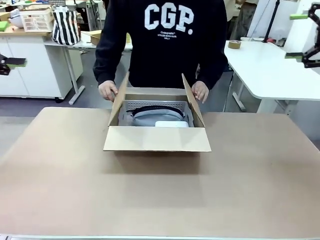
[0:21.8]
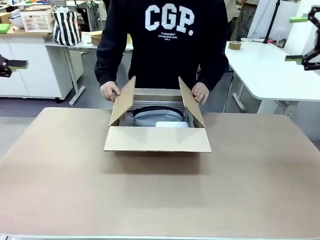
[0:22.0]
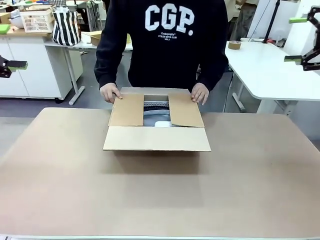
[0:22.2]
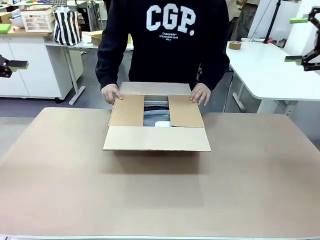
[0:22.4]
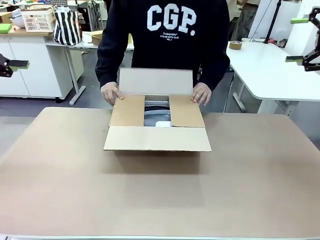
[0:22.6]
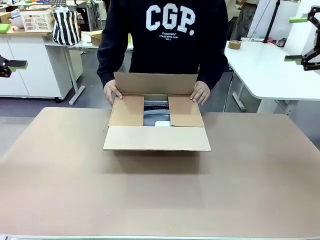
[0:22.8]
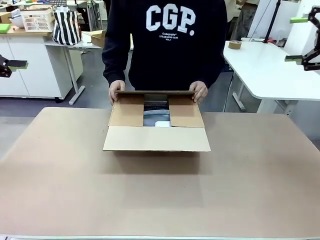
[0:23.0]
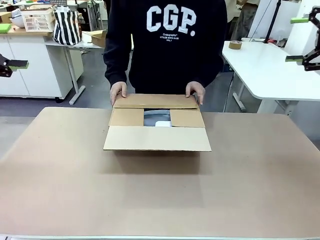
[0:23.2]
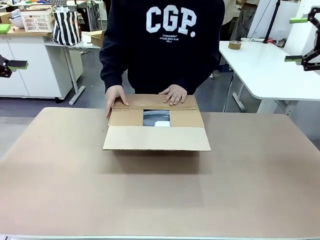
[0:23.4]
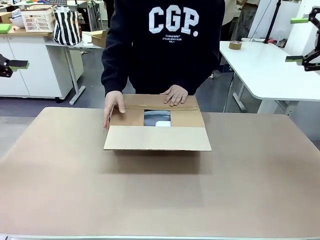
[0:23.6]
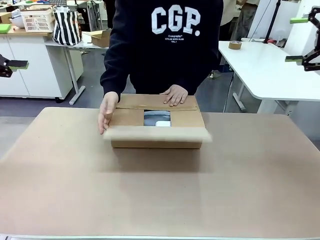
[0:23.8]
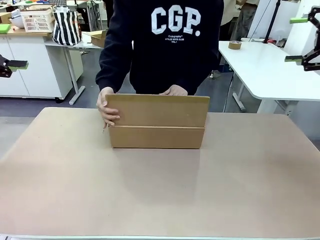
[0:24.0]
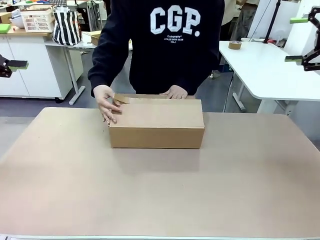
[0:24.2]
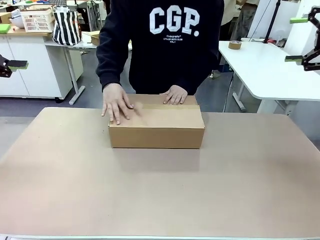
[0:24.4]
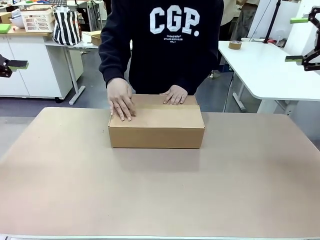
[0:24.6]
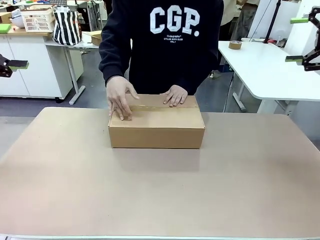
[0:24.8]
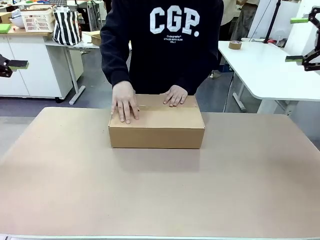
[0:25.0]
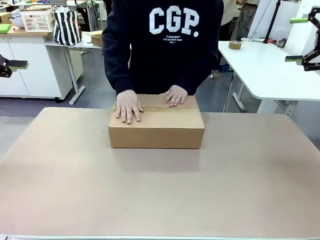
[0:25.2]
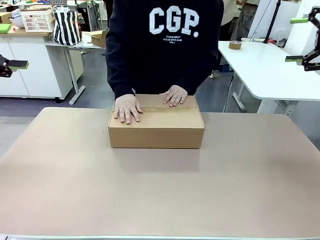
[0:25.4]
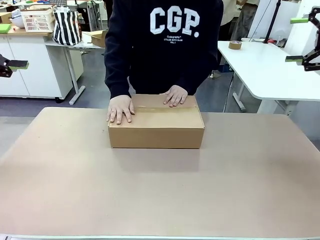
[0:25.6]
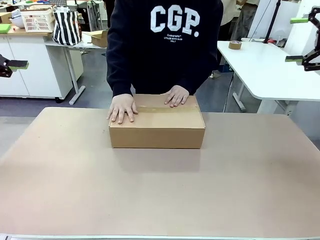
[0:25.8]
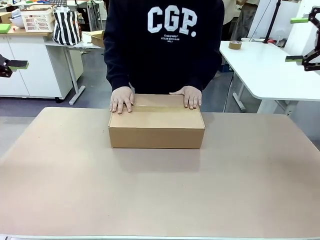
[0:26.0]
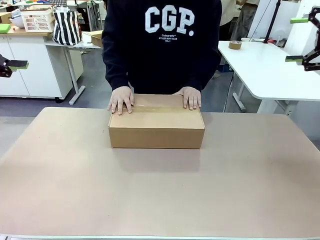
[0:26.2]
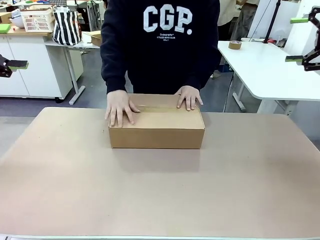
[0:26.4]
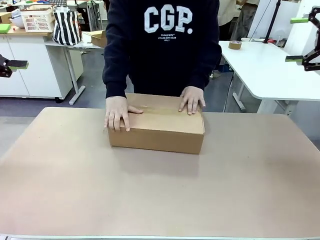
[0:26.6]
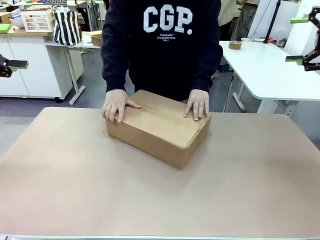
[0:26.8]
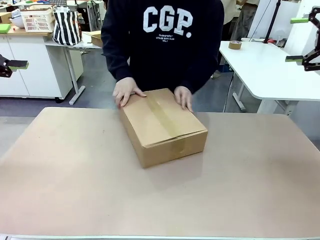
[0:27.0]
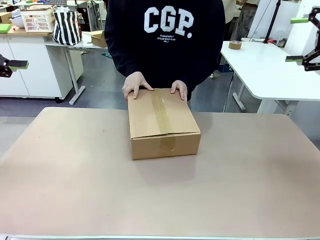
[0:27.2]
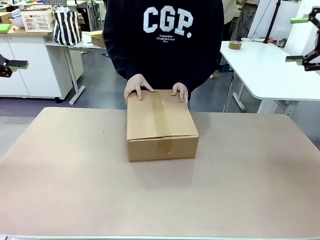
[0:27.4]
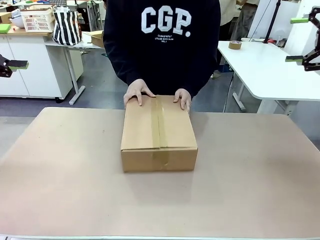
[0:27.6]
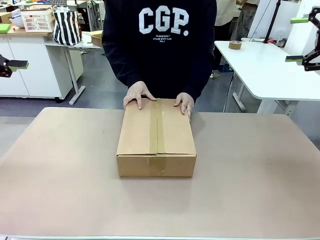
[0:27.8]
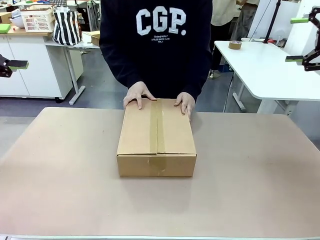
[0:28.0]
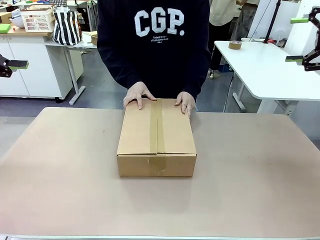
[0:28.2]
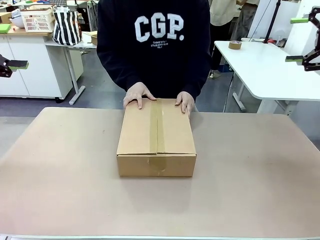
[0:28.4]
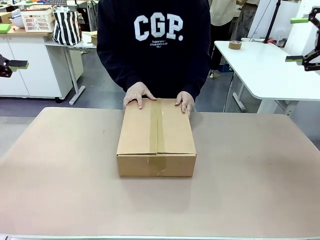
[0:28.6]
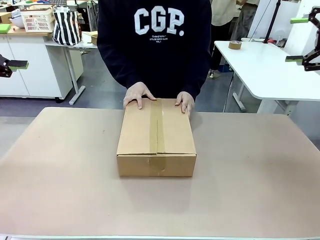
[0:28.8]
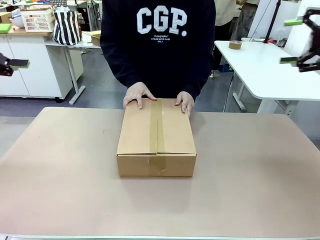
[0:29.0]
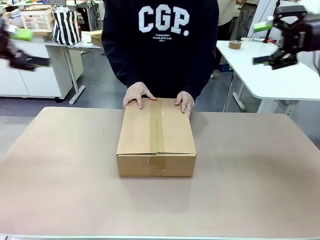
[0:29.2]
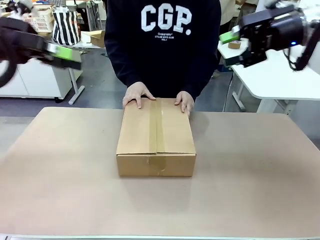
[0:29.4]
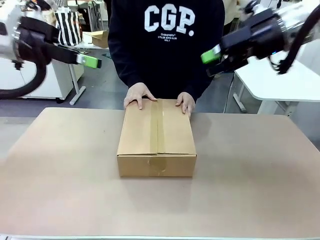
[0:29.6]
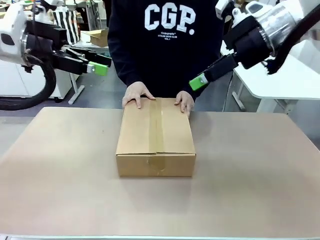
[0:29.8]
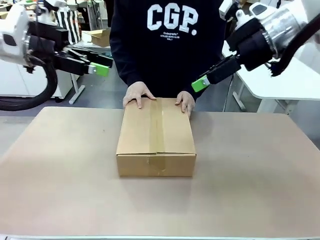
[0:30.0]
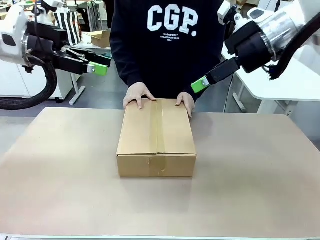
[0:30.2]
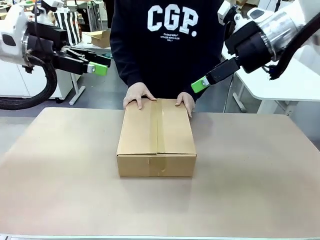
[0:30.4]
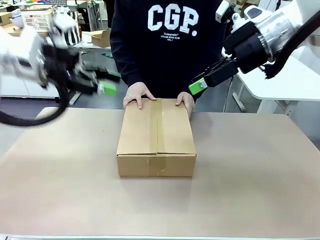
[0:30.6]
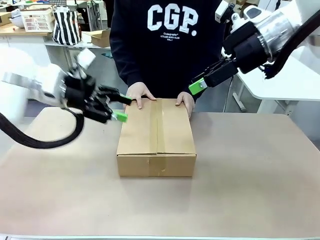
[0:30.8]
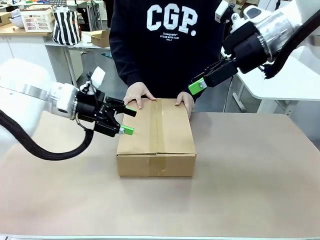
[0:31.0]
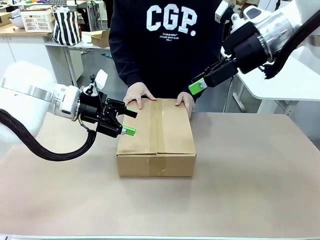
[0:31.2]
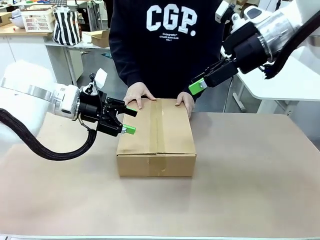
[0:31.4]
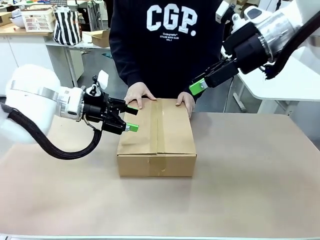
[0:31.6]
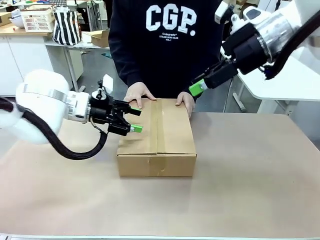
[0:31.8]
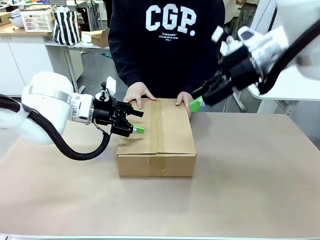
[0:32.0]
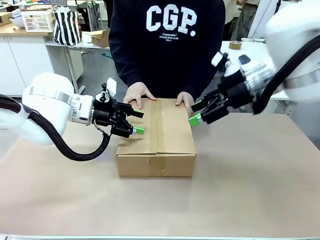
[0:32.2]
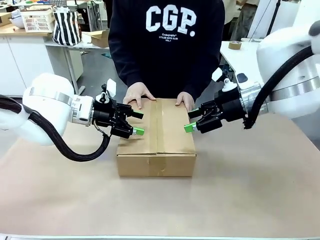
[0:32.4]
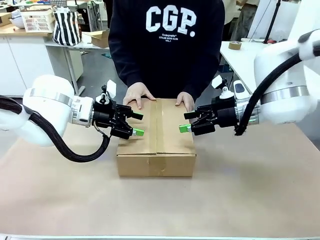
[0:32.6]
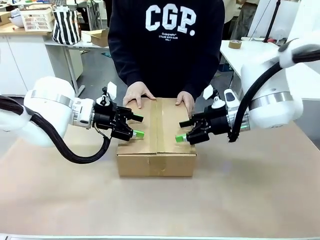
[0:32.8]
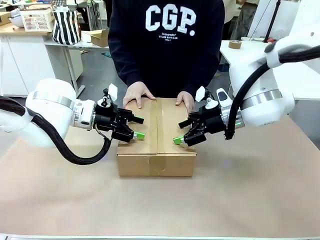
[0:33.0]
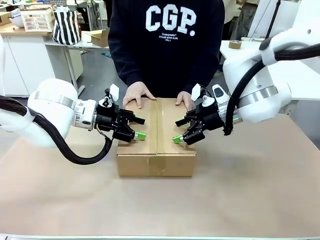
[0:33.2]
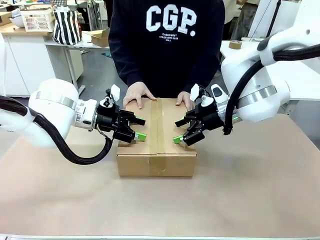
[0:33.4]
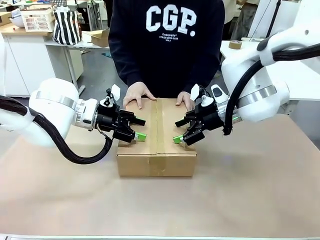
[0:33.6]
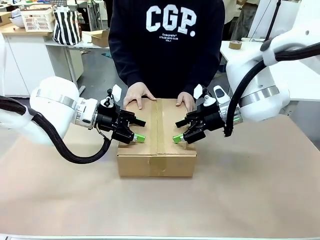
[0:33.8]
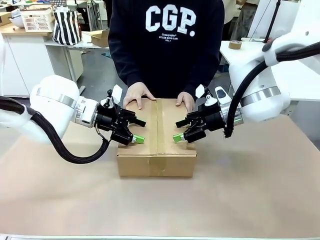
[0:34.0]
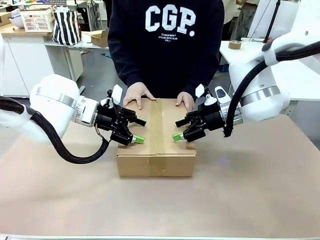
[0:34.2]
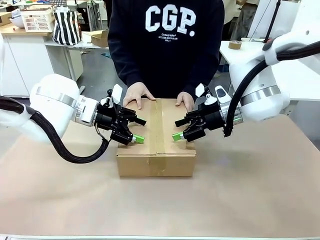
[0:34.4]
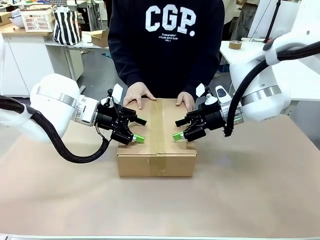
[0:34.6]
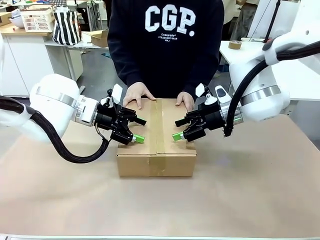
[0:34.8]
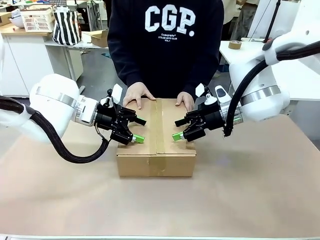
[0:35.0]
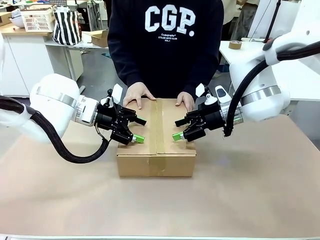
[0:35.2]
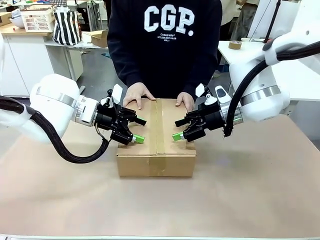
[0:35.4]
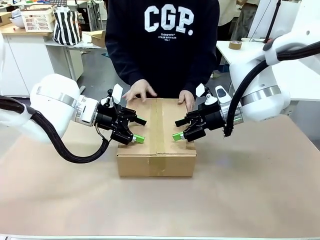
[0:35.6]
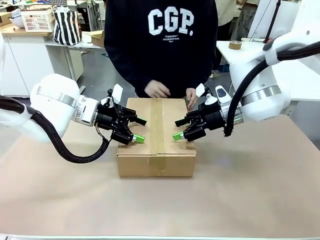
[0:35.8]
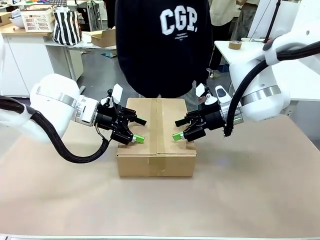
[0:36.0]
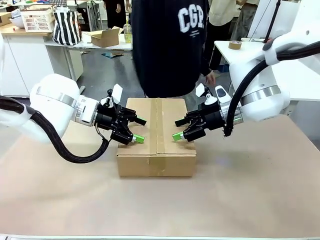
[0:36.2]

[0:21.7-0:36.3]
Task: Pack the gift set into the box.
Robot: Press and hold the closed box until the human finishes sealing it.
Person: The human closes the box and rotates the box by 90 degrees.

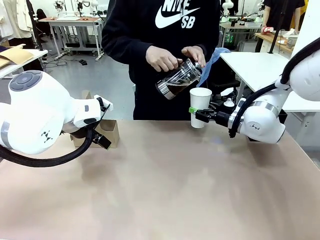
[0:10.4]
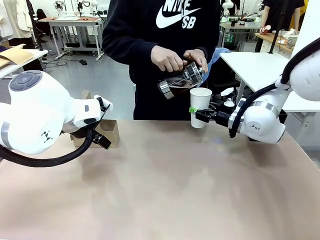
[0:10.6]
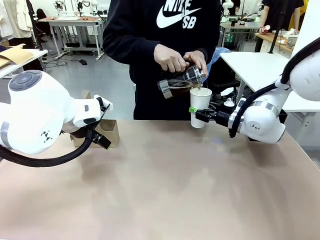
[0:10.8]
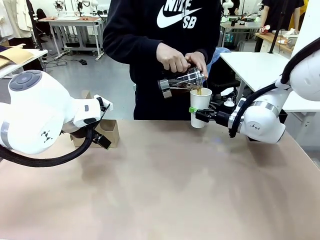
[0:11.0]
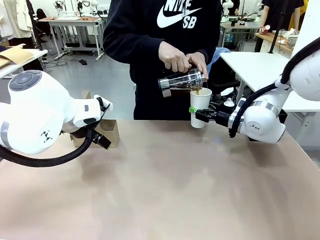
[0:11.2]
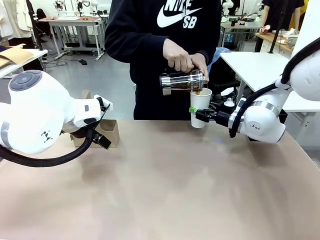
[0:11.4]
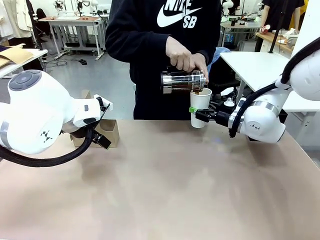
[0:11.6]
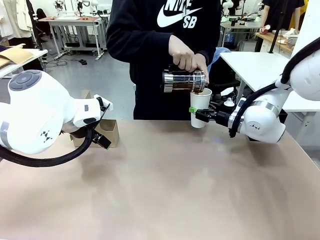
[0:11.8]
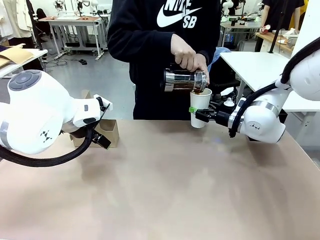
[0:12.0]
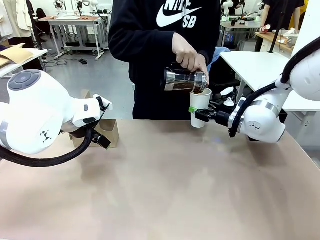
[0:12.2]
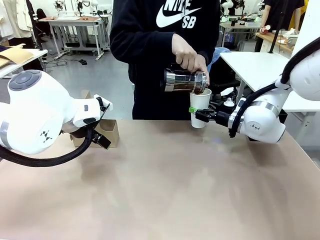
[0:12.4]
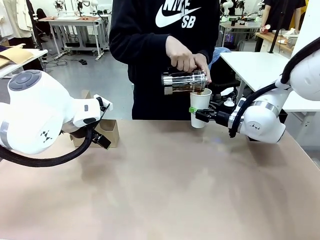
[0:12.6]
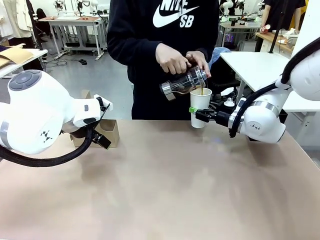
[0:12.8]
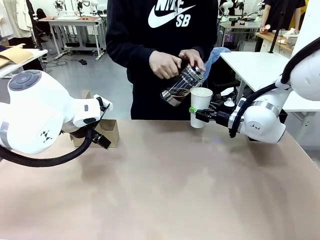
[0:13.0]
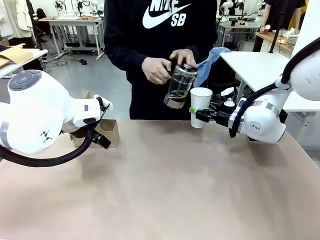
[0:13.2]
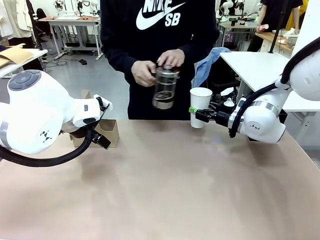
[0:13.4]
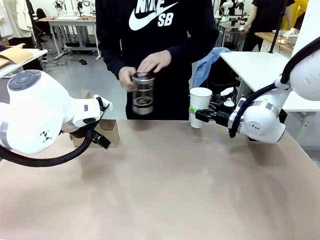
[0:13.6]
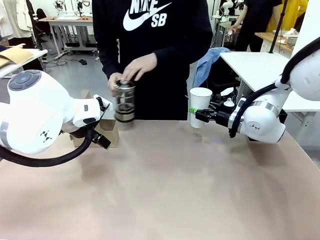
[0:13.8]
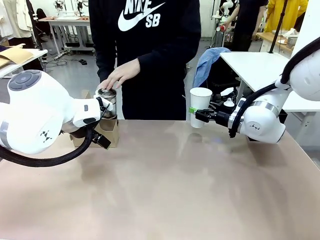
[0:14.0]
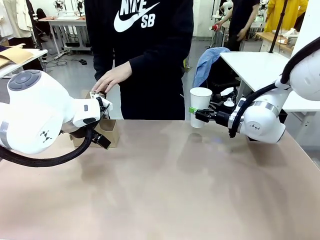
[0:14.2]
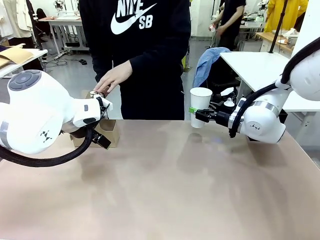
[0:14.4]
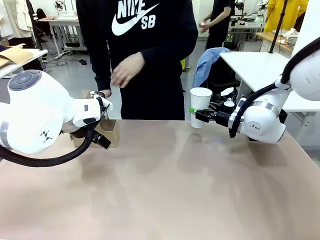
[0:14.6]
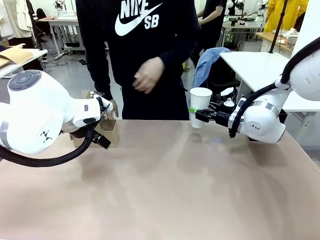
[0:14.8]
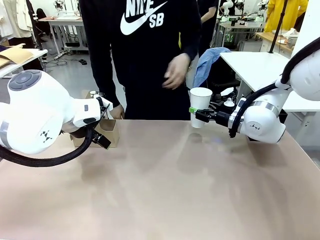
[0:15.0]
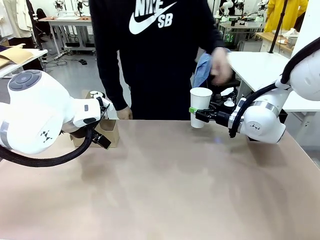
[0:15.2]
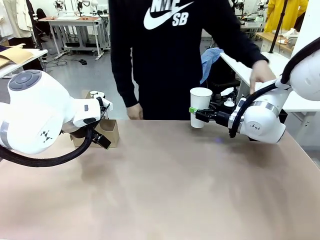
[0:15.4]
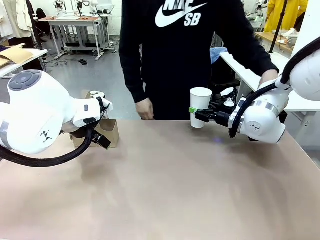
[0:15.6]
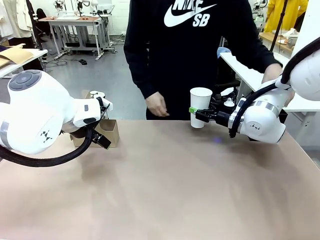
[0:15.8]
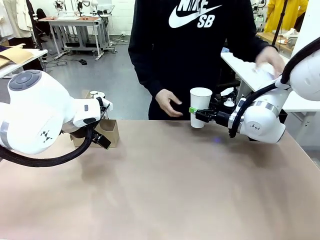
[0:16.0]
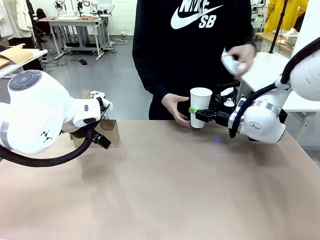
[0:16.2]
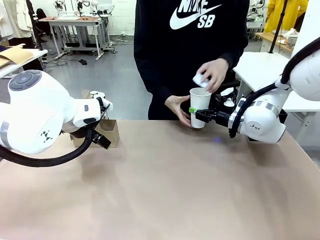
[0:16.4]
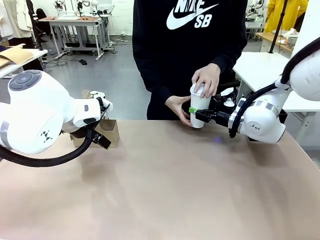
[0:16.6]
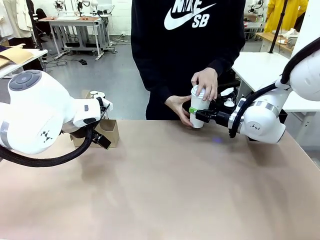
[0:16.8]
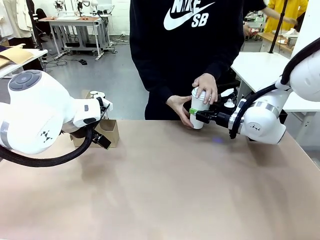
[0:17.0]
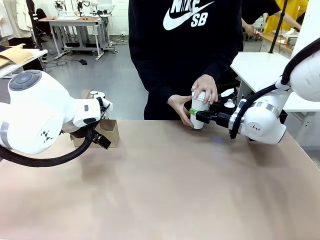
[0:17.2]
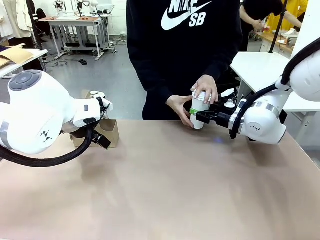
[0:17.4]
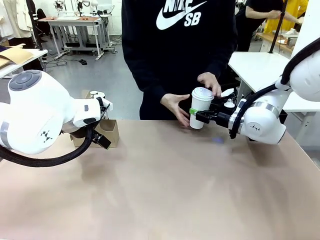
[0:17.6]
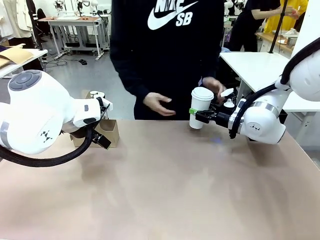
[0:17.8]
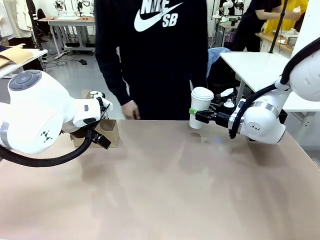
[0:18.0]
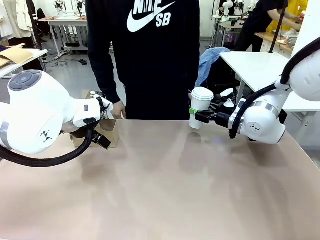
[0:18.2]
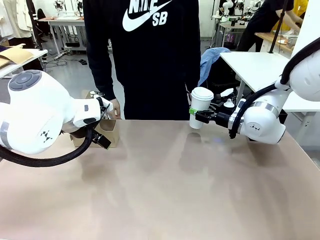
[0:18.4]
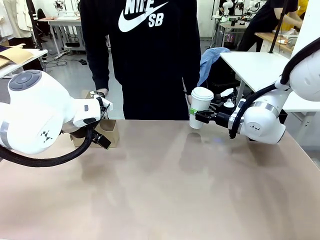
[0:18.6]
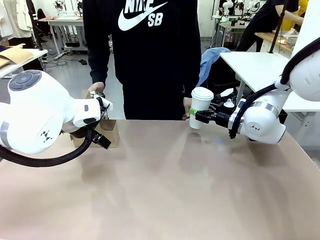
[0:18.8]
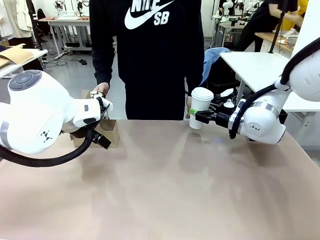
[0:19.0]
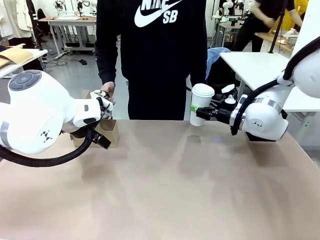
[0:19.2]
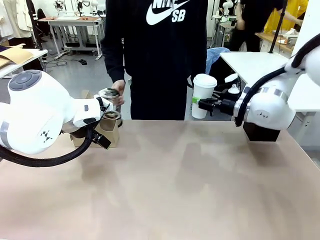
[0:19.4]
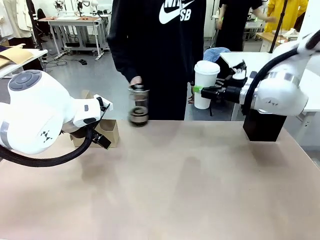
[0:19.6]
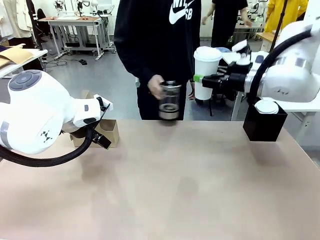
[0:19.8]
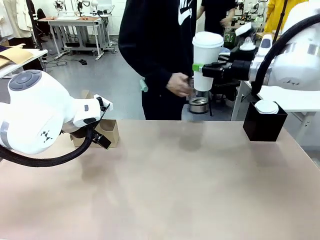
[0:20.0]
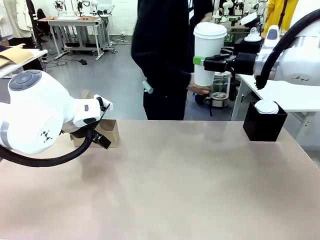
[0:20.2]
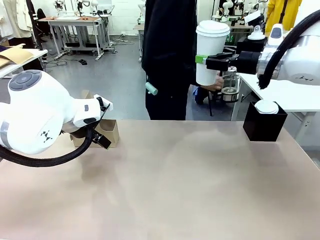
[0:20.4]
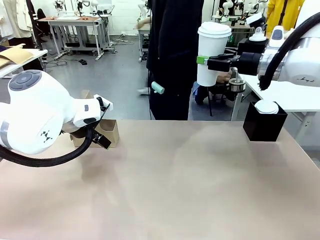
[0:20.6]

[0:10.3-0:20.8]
Task: Pour a drink into a cup and package it in a carrier.
Robot: When a person places the Paper Cup Lid on the 600 ml Paper Cup , lift the 600 ml Paper Cup.
Person: Pour the drink from the Filter Brewing into the 600 ml Paper Cup. Place a Paper Cup Lid on the 600 ml Paper Cup.
